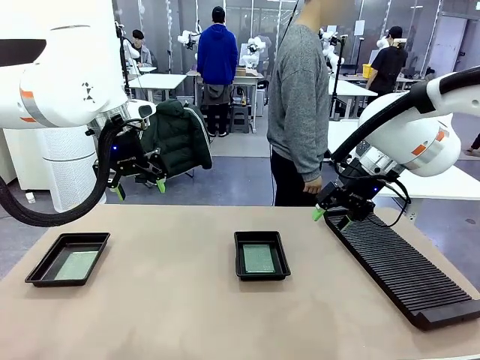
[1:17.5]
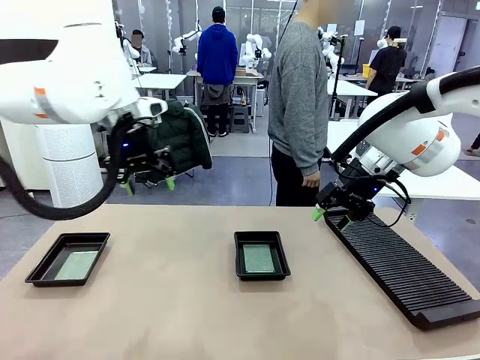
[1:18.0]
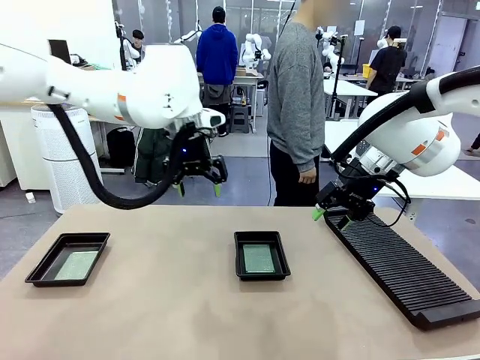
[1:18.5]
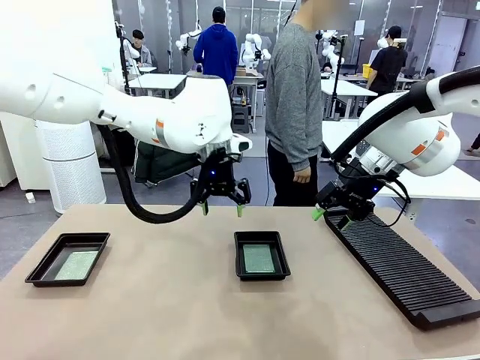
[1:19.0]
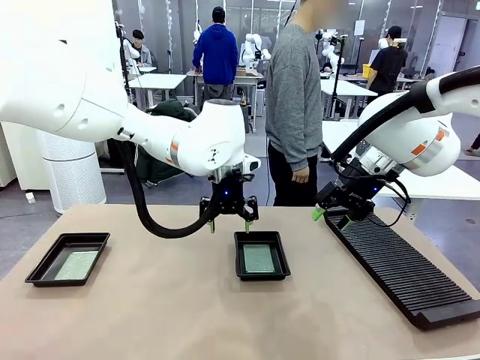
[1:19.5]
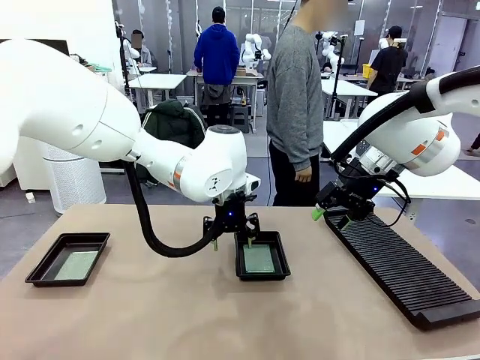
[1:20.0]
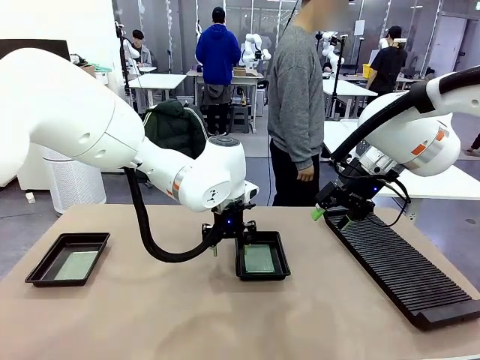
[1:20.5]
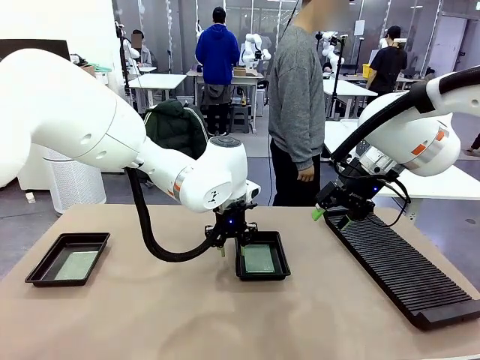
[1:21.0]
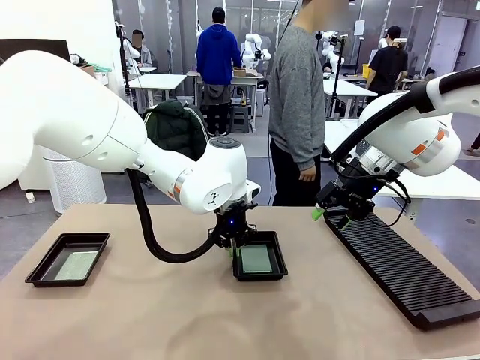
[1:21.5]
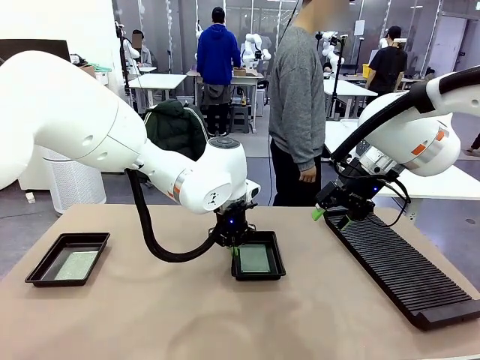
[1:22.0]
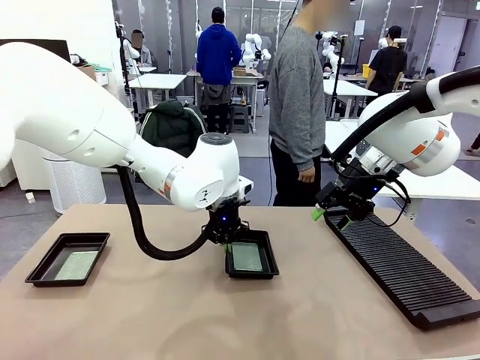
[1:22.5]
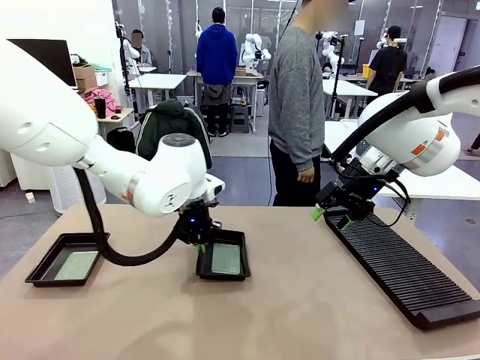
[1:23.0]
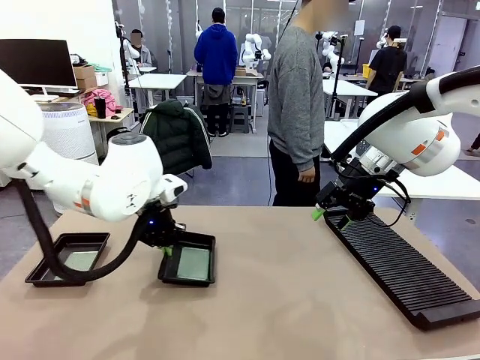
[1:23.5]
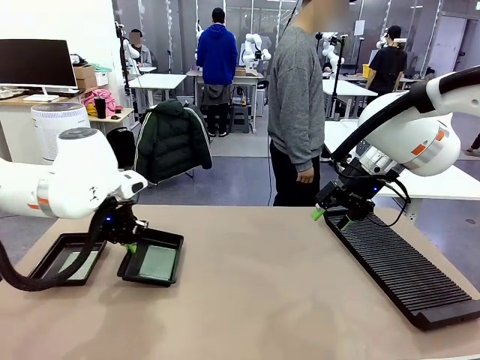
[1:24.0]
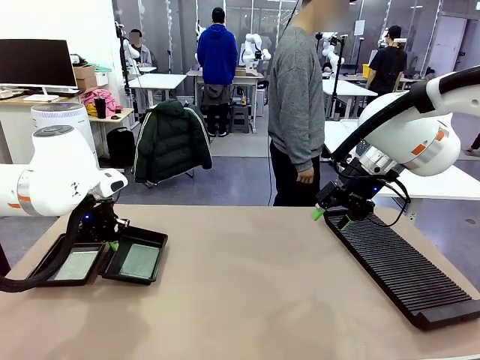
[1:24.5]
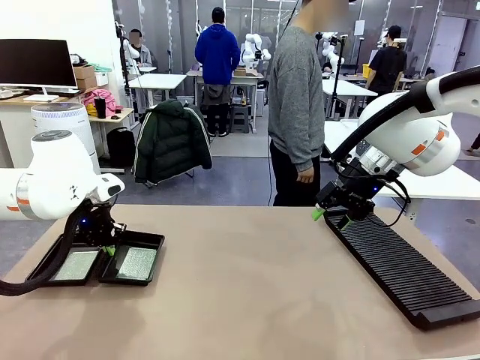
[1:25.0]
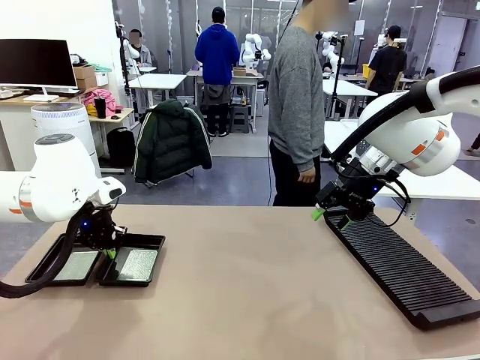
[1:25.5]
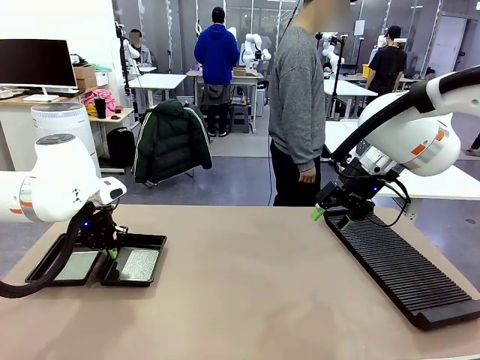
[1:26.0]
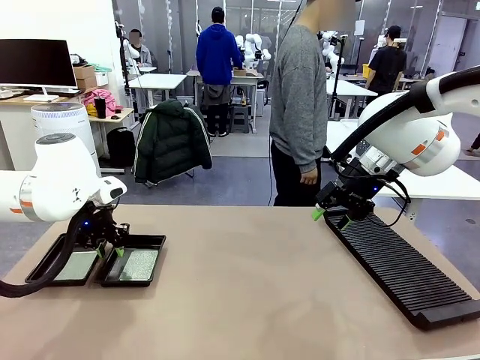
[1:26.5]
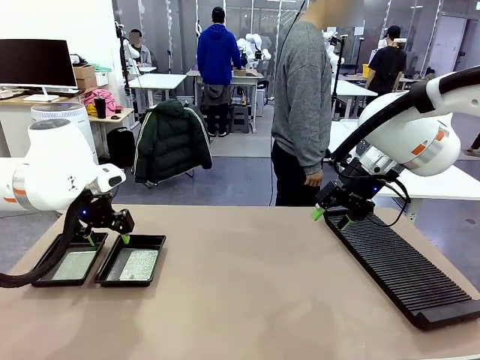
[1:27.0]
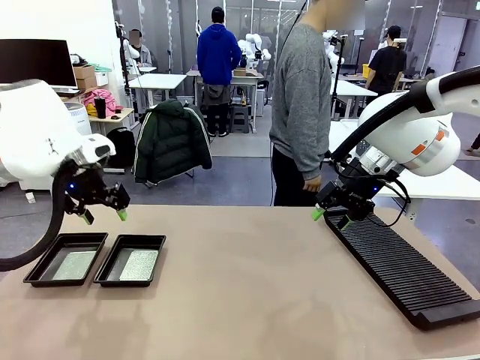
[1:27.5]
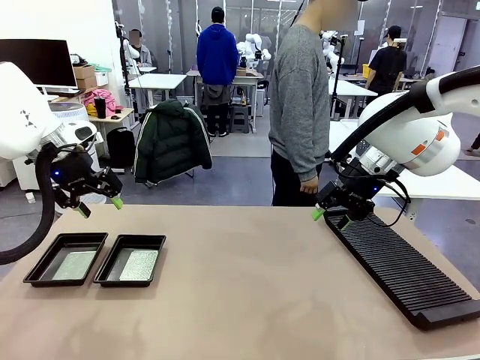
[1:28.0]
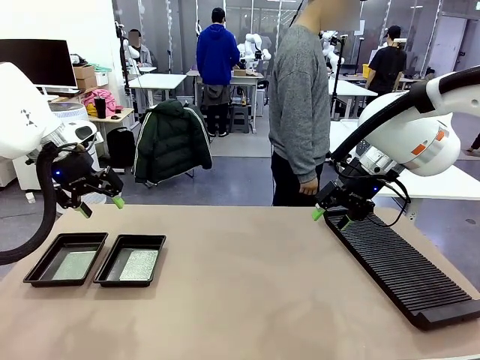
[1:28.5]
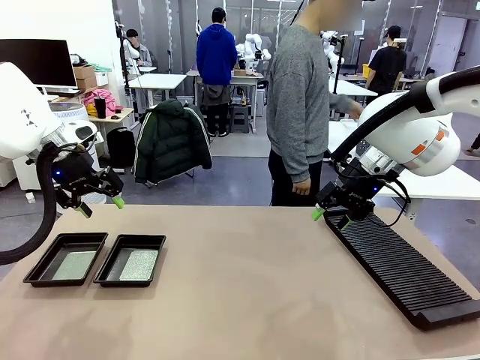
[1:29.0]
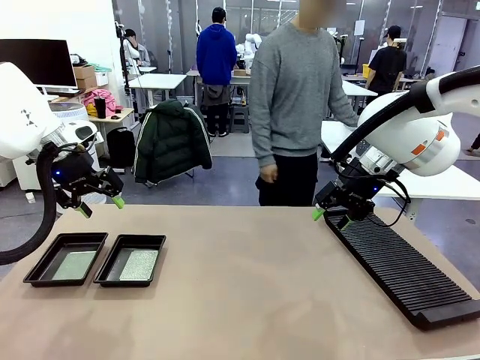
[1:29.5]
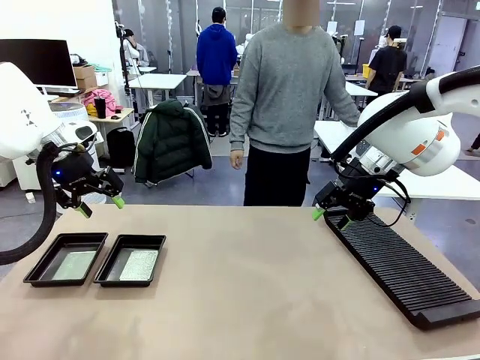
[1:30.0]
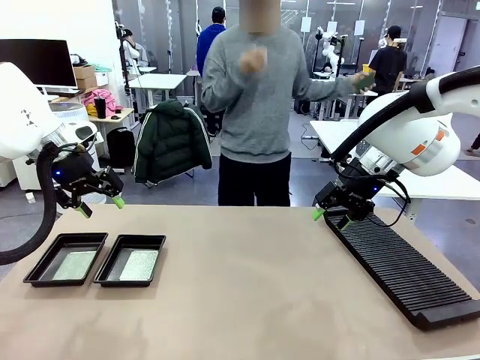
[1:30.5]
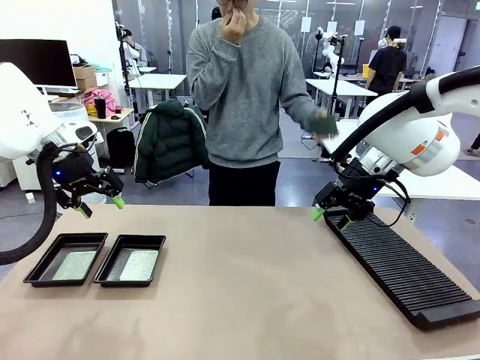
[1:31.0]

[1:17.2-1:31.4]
Task: Inspect and transfer BCBs to ESD trays.
Robot: Pick up the ESD tray and place it on the left side of the table.

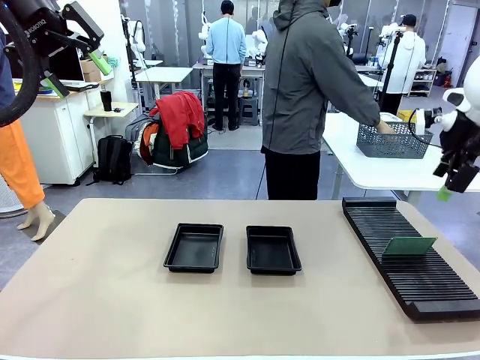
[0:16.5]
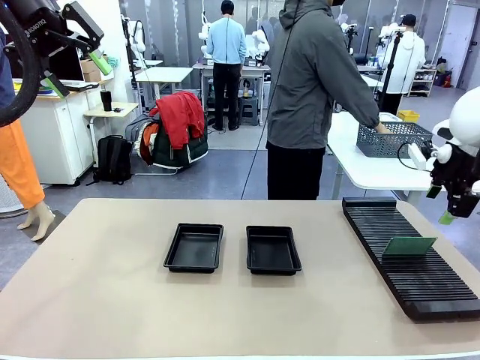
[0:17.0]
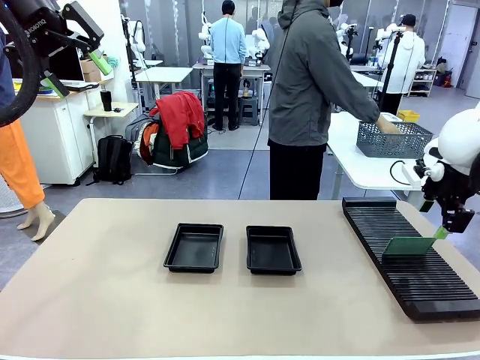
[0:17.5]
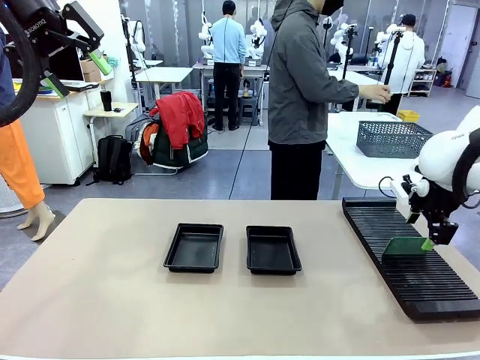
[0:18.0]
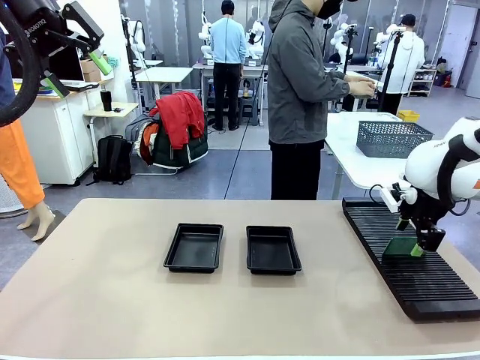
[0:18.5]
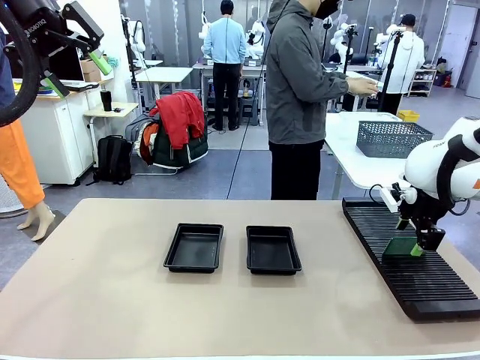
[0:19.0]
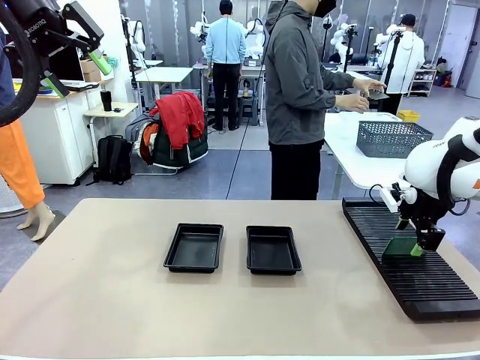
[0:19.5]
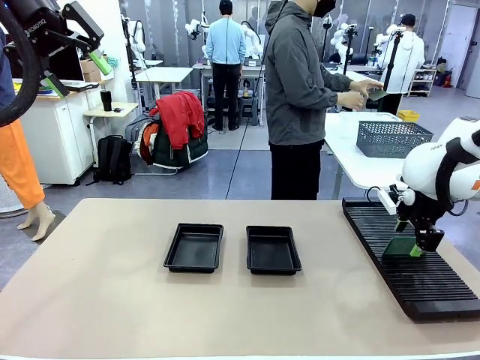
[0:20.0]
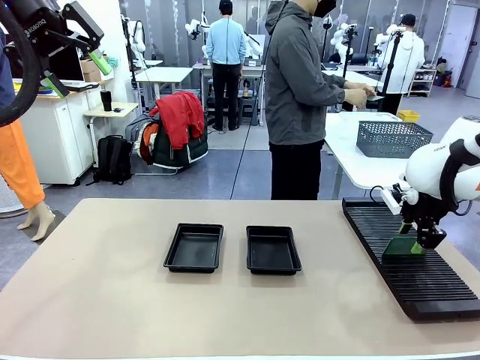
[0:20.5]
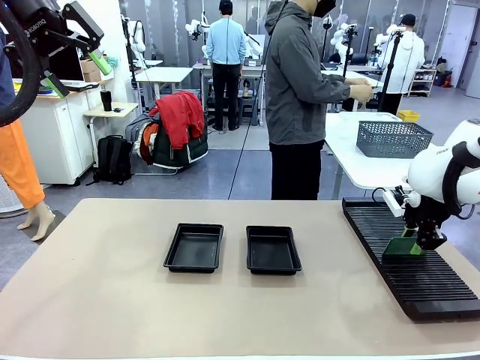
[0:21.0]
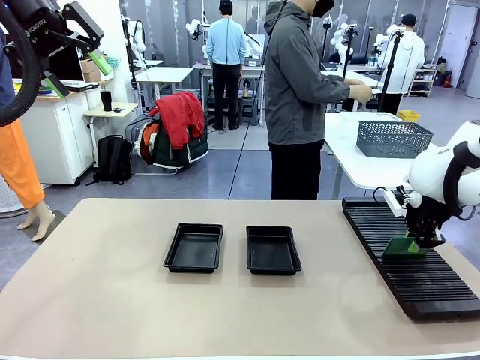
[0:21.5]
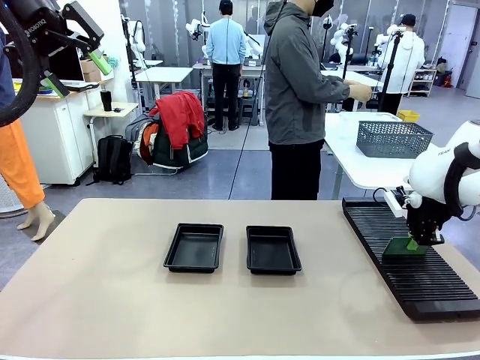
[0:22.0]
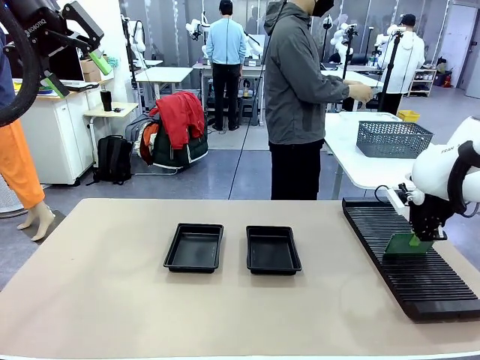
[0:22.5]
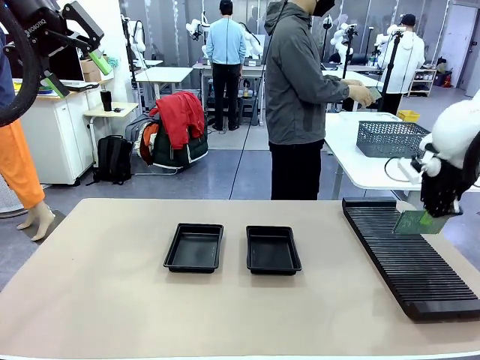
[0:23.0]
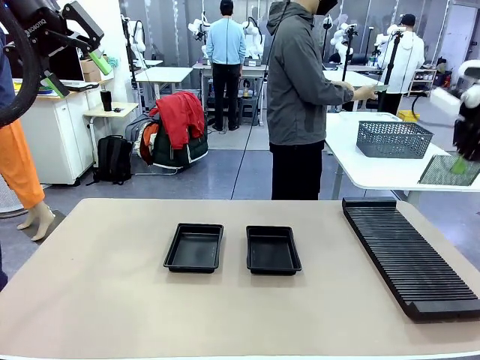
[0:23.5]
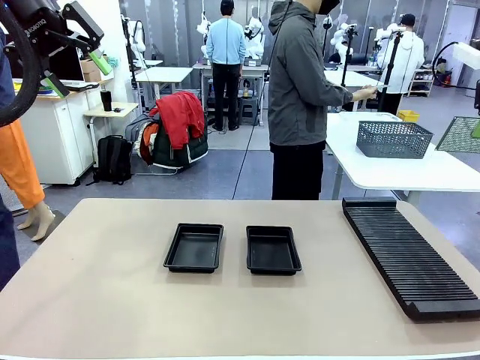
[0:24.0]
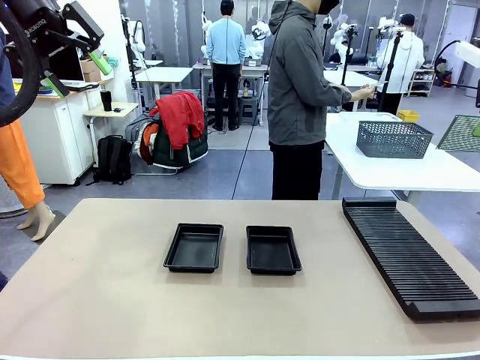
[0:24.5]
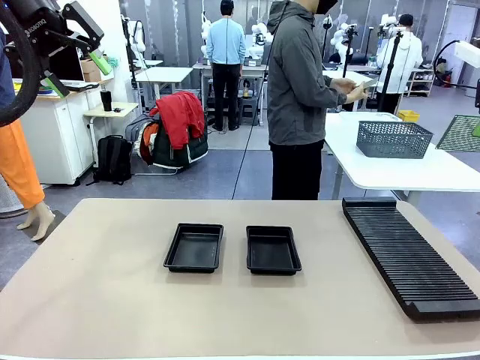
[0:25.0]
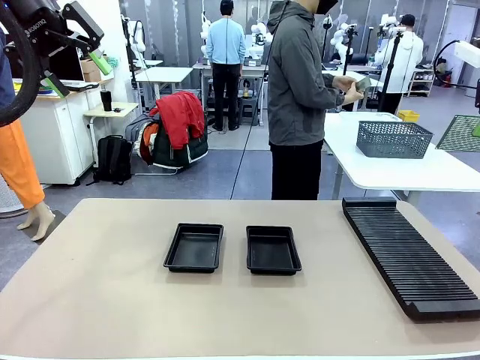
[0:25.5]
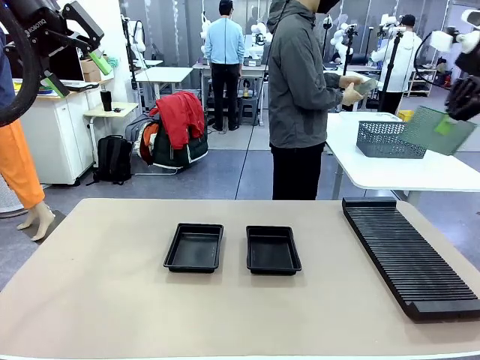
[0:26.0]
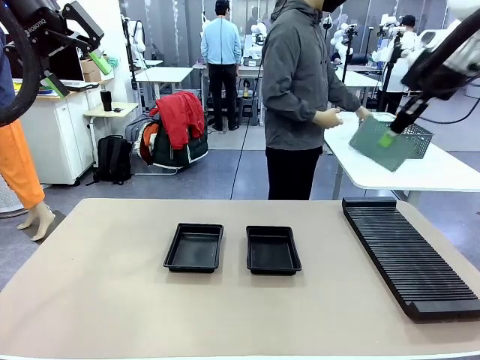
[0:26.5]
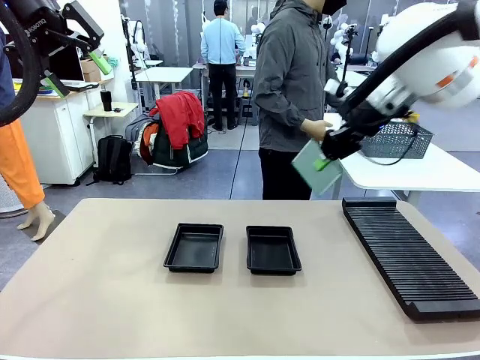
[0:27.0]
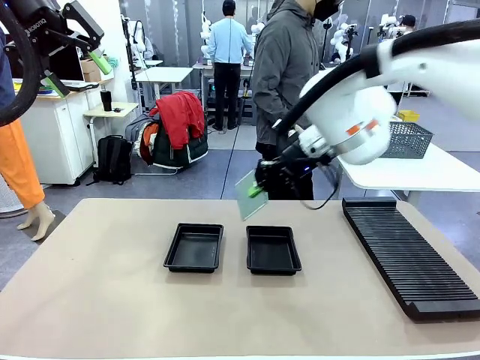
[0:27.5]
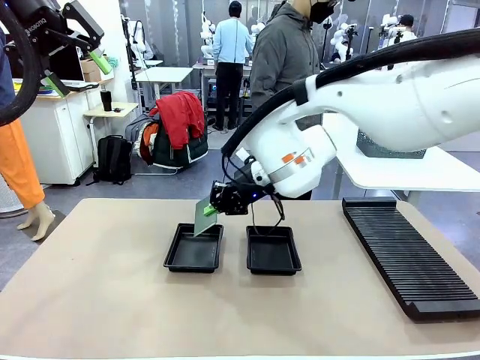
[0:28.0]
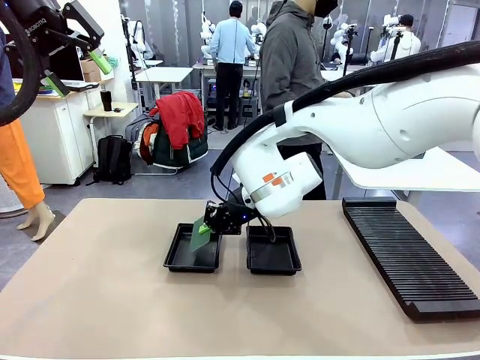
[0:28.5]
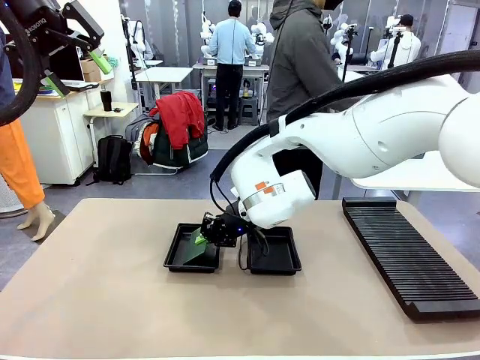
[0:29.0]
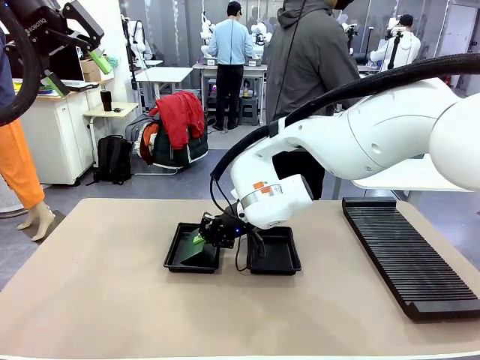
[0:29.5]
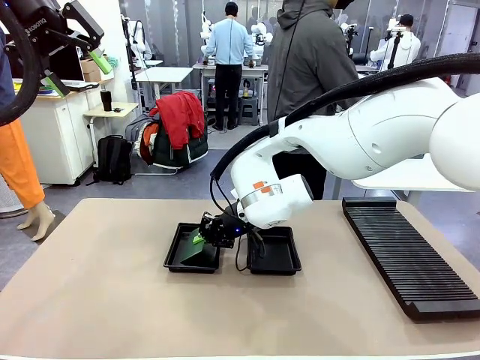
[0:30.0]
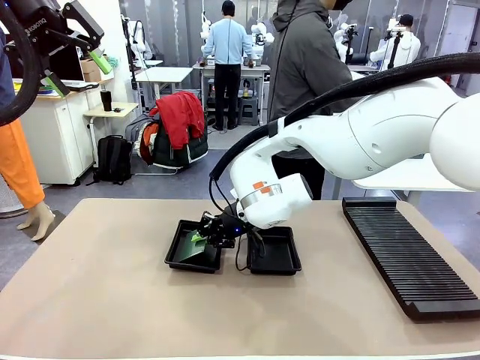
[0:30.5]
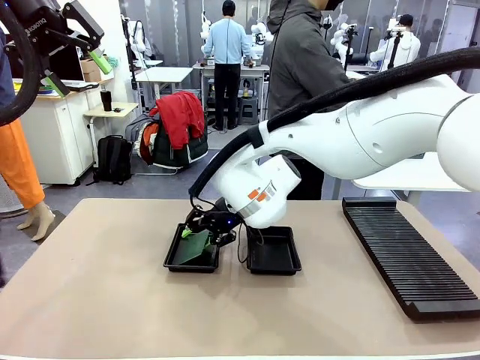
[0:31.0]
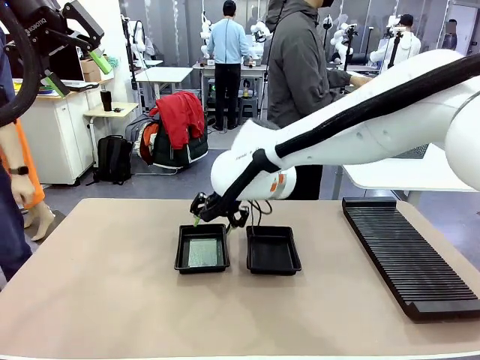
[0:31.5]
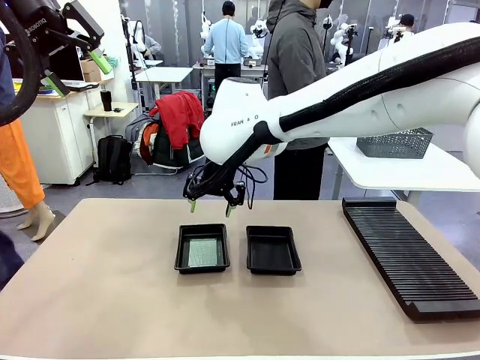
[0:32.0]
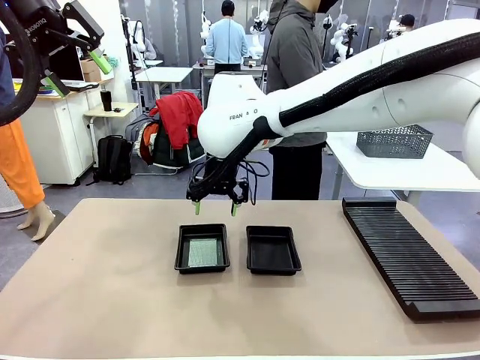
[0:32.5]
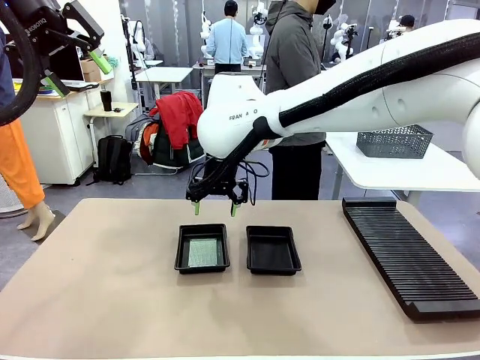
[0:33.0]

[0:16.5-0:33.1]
Task: Inspect and transfer BCBs to ESD trays.
Robot: Pick up the Blank PCB from the PCB Rack and place it in the left ESD tray.
